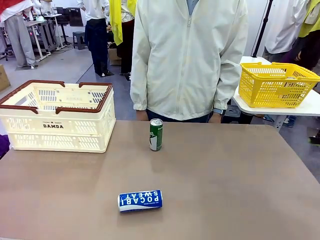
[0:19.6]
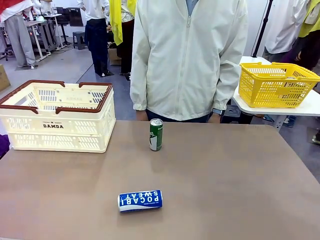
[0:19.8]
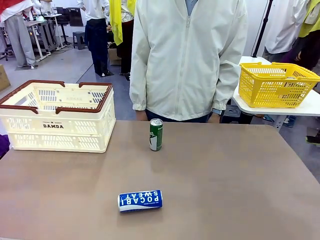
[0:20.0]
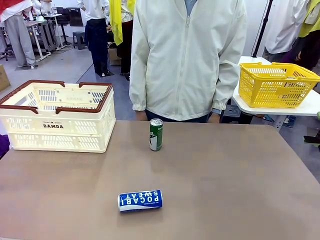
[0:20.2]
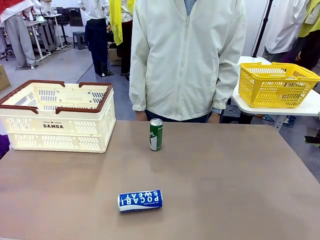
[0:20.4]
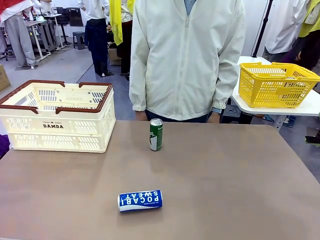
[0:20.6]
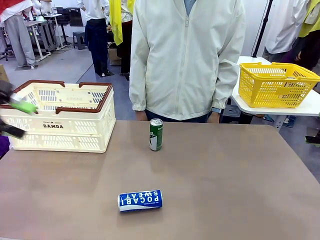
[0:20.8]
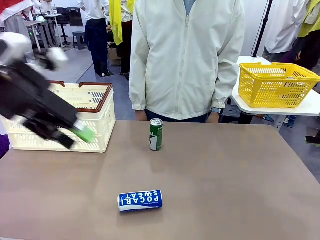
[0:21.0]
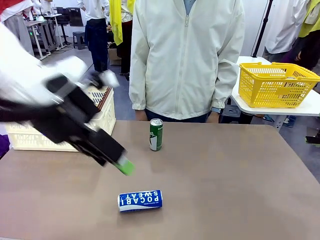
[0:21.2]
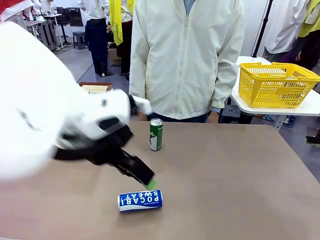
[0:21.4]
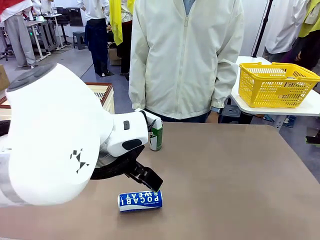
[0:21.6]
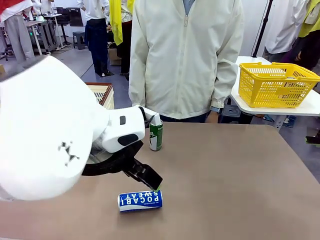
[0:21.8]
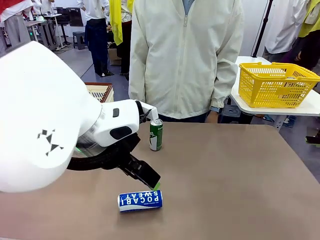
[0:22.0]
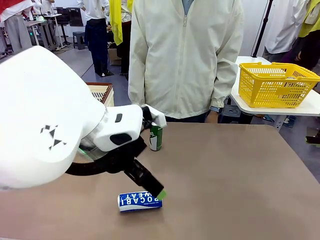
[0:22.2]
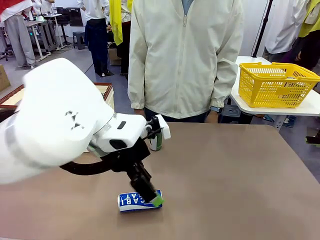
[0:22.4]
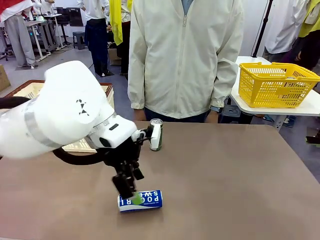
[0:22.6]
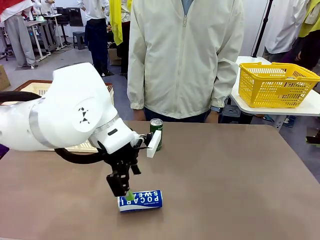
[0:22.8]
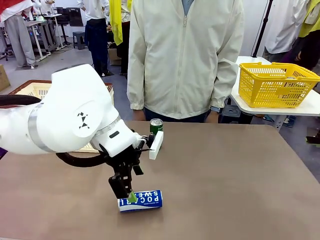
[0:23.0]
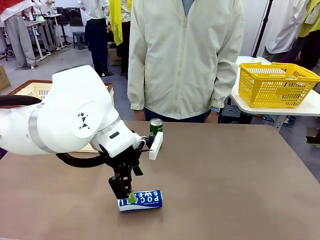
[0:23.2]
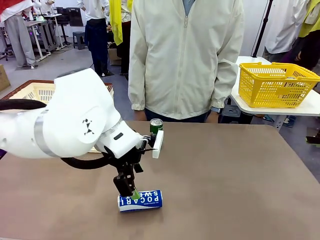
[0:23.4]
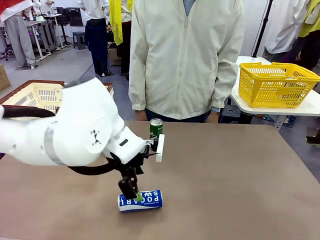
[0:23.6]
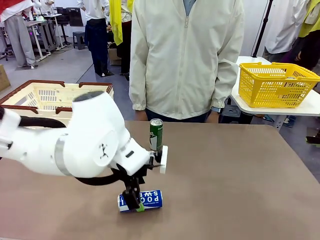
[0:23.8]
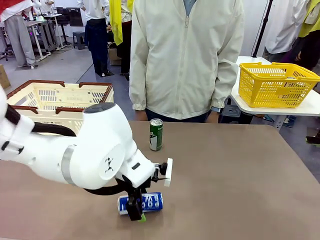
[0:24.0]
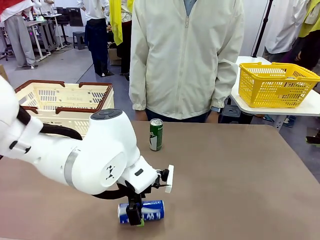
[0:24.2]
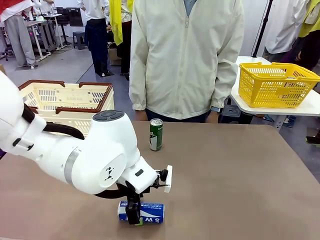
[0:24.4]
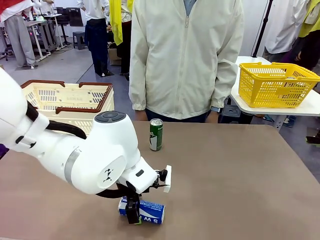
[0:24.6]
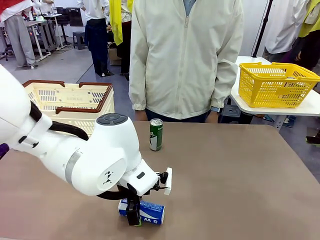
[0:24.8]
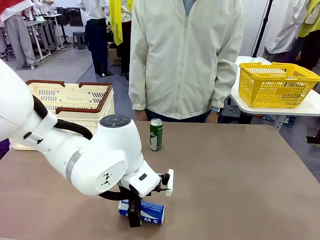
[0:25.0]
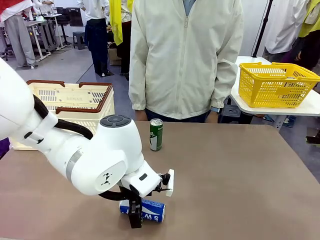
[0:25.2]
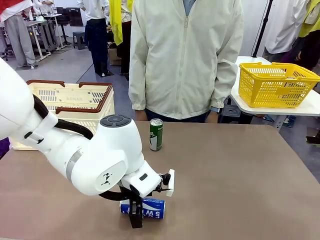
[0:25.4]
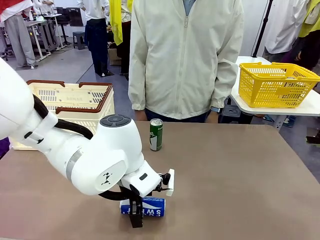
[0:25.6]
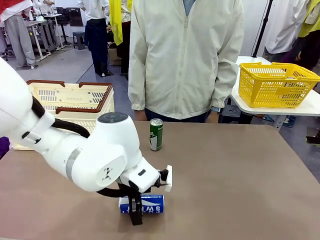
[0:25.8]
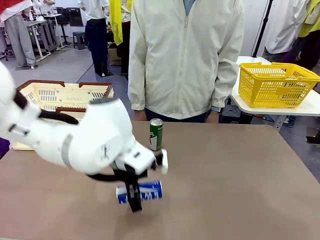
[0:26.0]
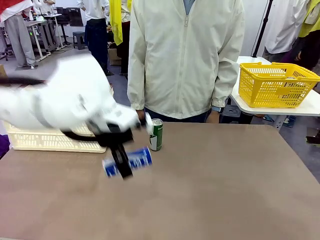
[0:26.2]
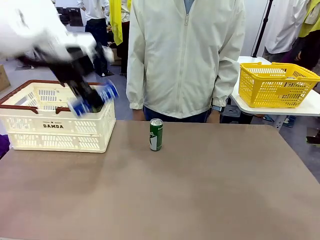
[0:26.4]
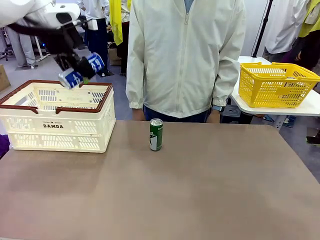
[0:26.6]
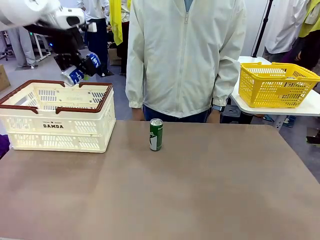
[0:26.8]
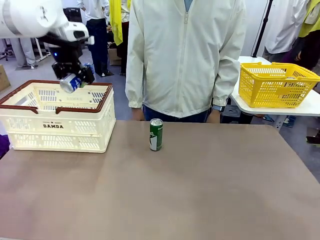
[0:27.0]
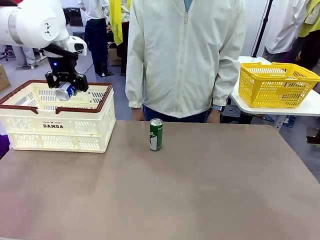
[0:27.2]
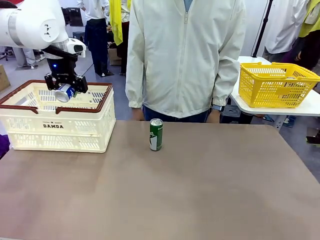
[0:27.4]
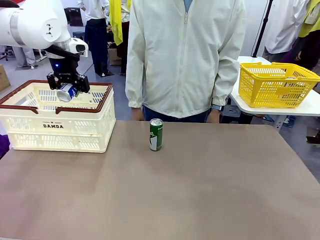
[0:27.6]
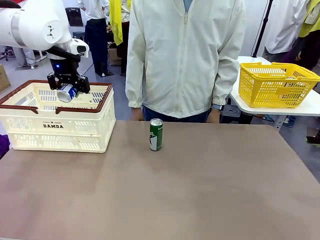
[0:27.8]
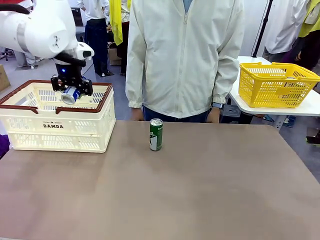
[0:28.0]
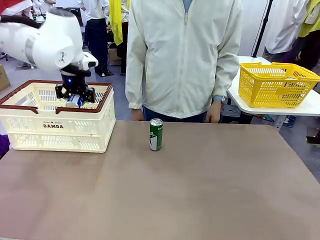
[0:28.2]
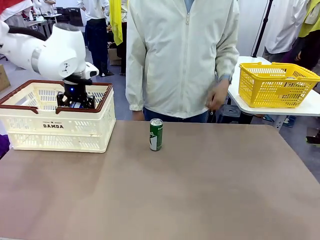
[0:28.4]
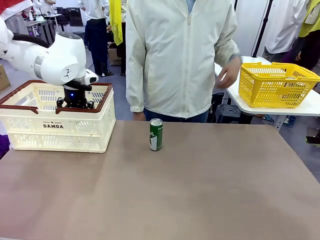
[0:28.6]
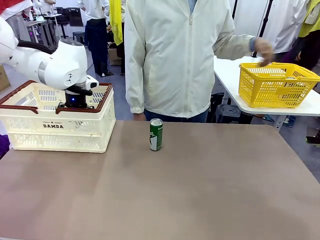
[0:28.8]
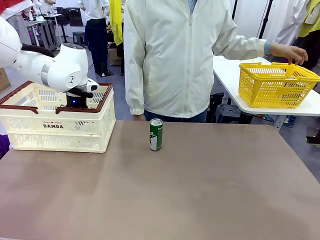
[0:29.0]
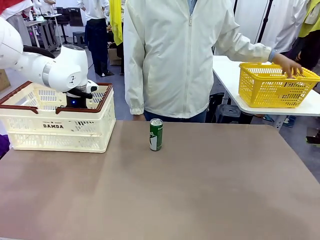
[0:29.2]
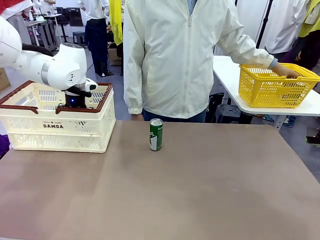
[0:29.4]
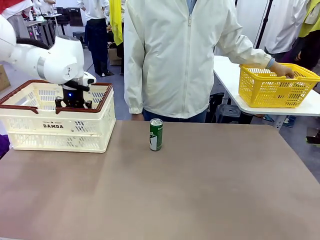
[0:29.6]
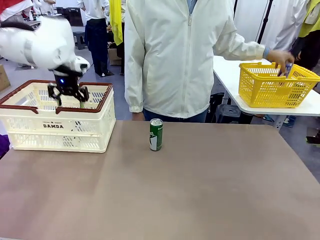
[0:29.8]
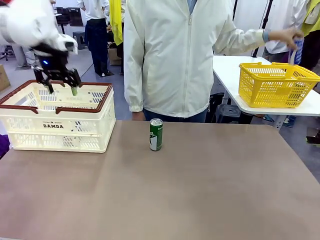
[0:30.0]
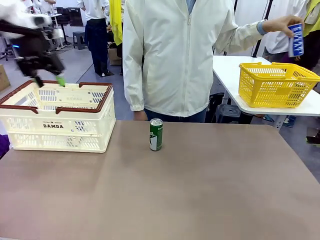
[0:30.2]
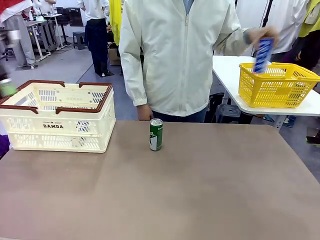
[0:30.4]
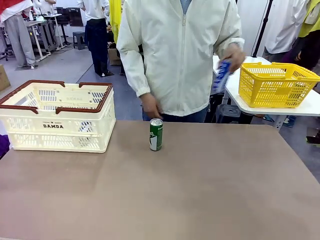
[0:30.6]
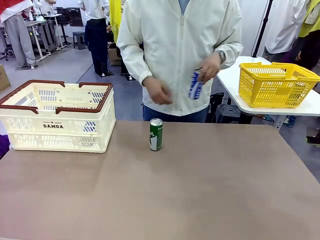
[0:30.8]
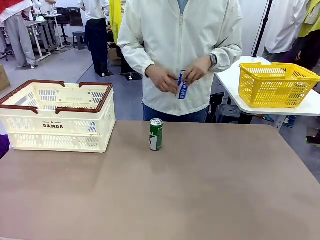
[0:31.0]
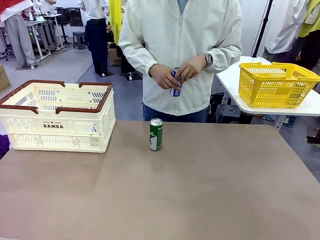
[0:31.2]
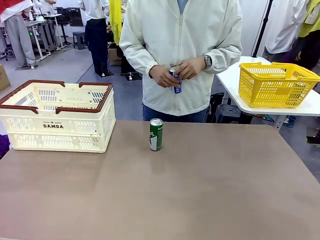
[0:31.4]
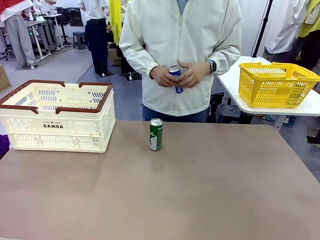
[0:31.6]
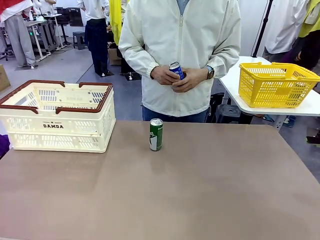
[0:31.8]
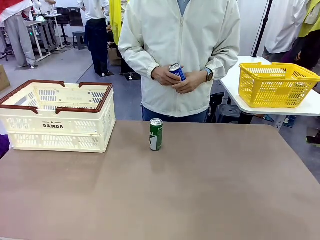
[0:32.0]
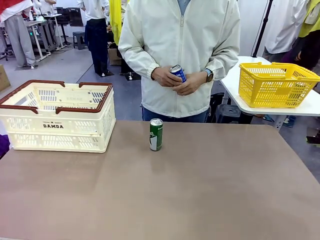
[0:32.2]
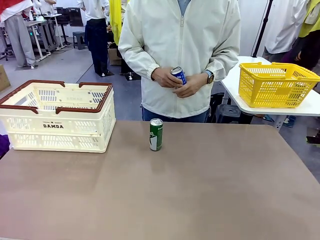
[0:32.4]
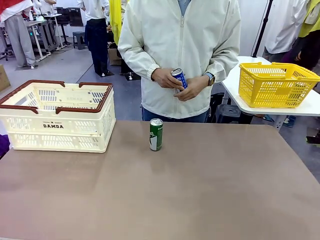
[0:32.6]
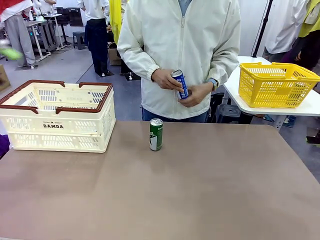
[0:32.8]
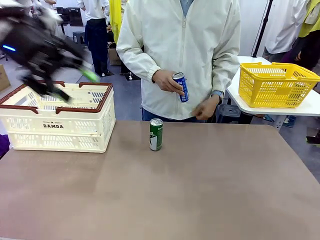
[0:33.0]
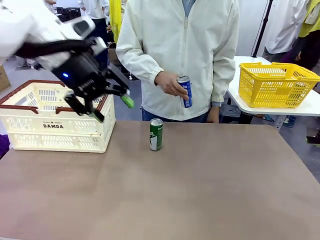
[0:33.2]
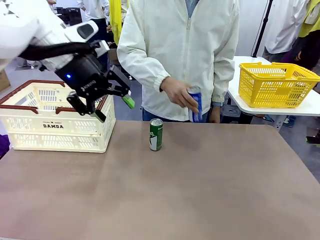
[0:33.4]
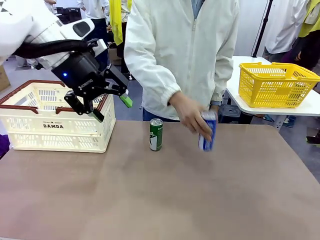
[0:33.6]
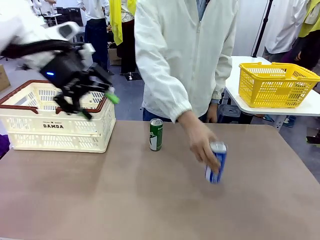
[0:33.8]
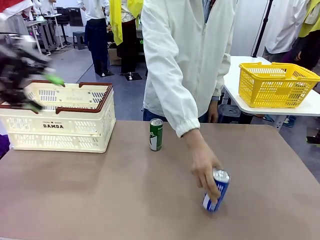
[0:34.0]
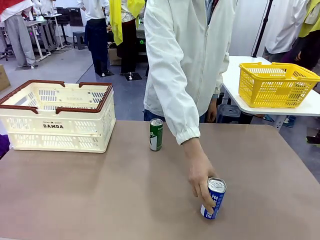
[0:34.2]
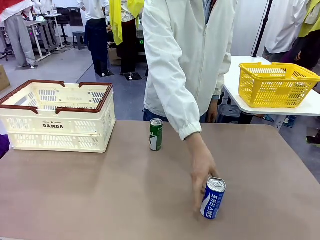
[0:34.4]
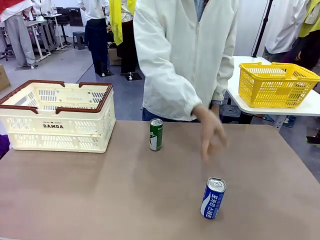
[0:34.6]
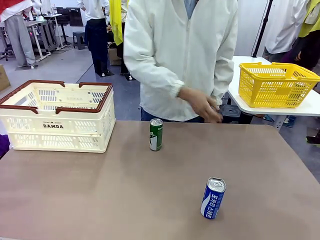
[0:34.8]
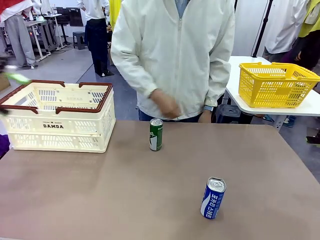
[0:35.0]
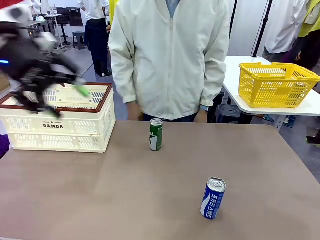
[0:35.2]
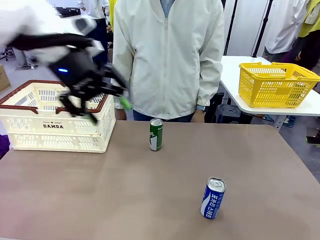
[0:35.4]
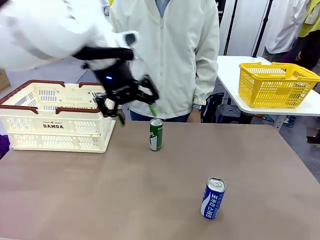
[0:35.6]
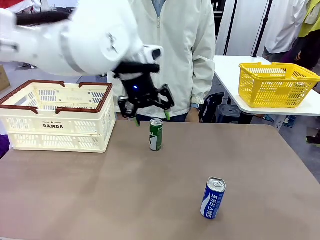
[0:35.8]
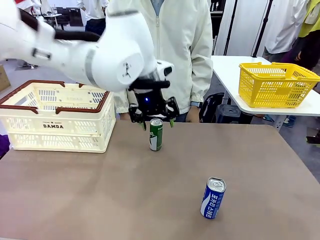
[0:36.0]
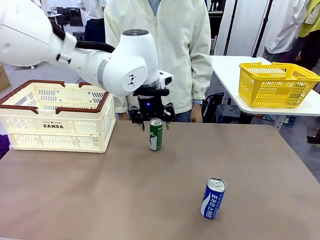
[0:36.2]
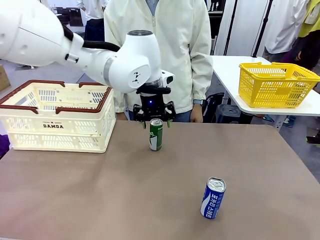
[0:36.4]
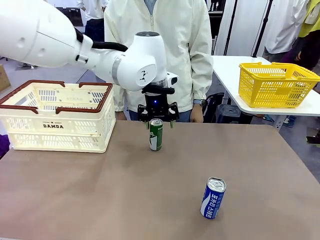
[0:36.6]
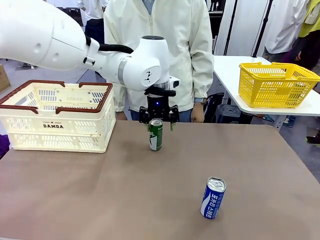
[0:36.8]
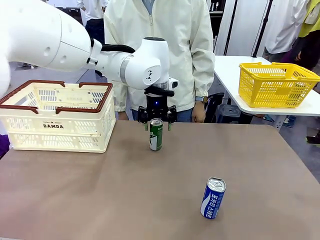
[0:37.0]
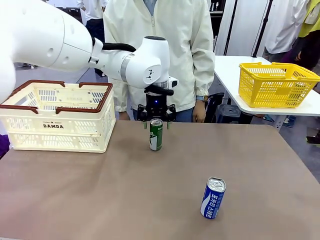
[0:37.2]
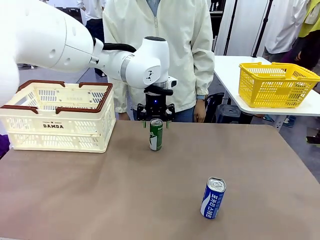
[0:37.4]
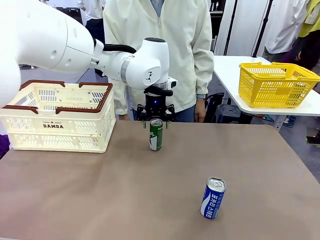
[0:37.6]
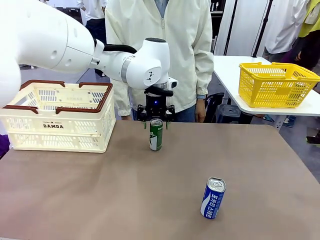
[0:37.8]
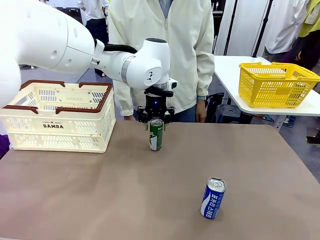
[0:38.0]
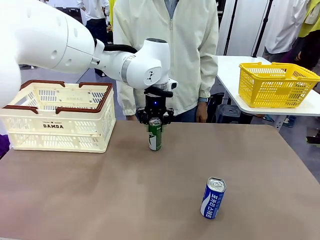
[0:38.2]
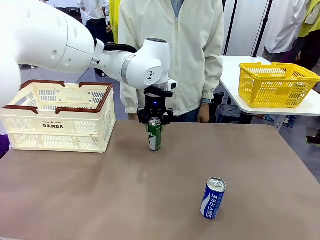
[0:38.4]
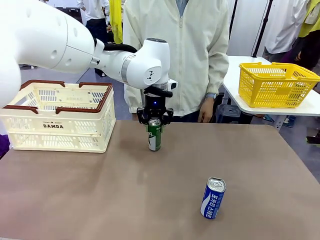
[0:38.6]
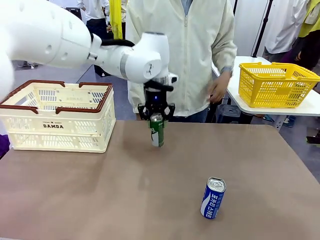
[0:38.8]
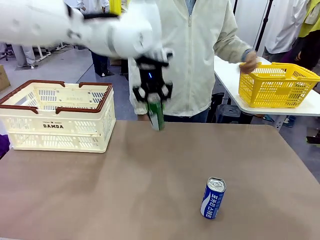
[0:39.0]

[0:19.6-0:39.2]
Task: Place the drinks into the Shopping basket.
Robot: Pick up one drink and place it into the Shopping basket.
